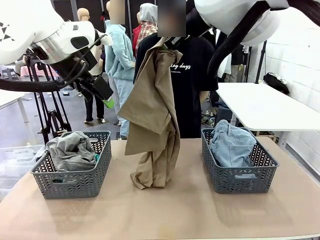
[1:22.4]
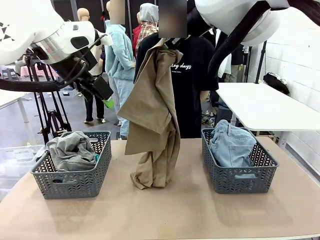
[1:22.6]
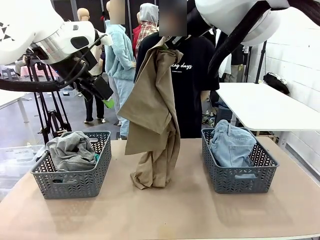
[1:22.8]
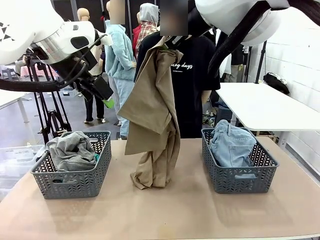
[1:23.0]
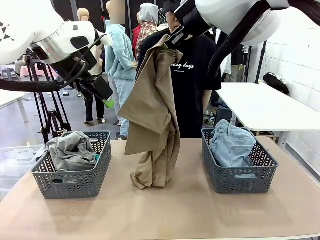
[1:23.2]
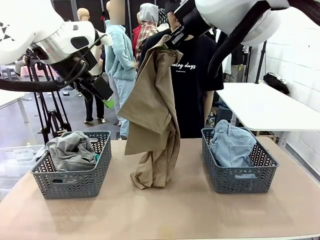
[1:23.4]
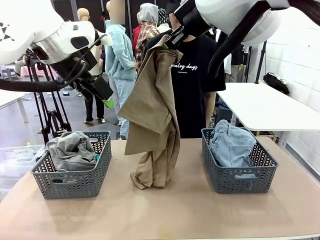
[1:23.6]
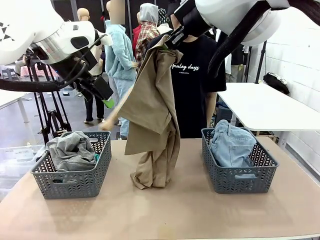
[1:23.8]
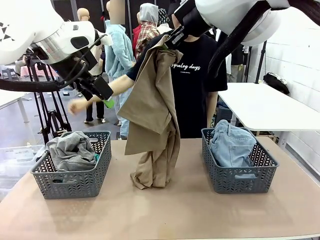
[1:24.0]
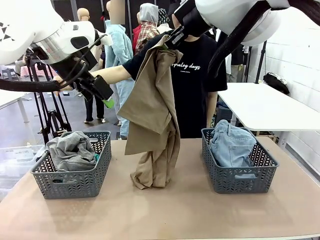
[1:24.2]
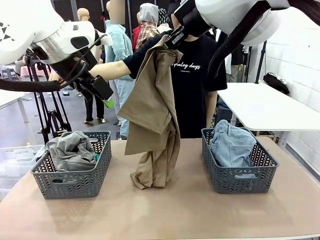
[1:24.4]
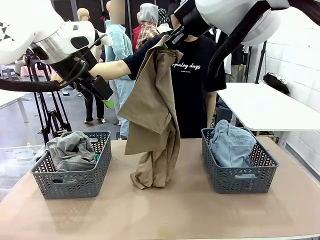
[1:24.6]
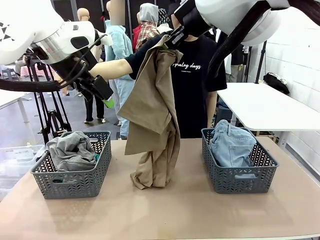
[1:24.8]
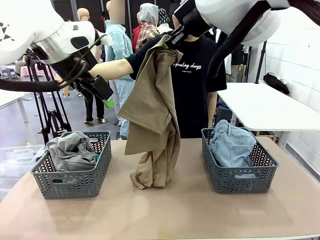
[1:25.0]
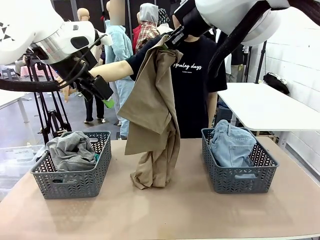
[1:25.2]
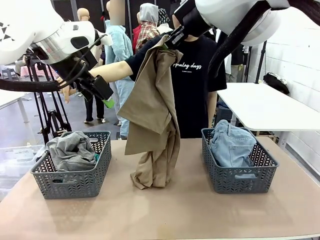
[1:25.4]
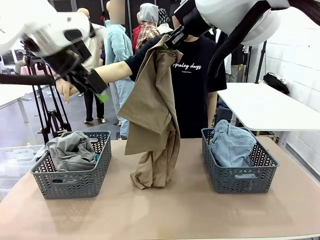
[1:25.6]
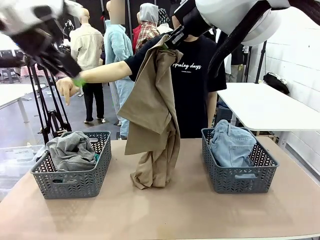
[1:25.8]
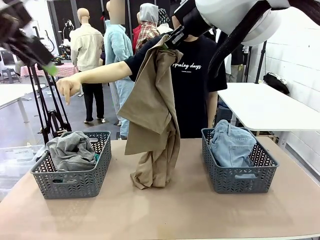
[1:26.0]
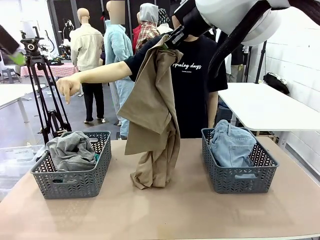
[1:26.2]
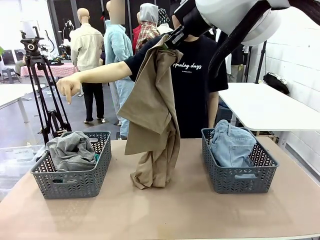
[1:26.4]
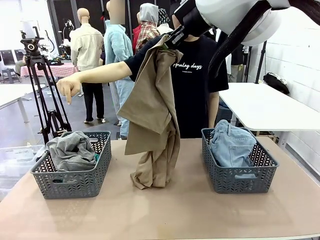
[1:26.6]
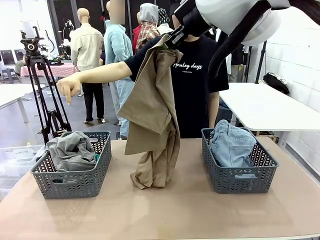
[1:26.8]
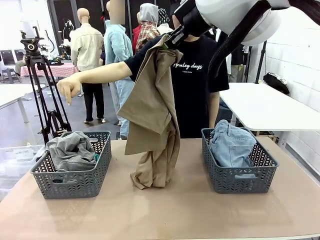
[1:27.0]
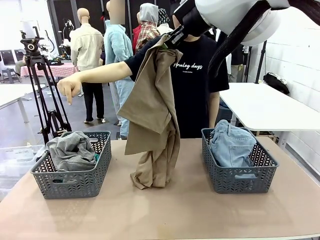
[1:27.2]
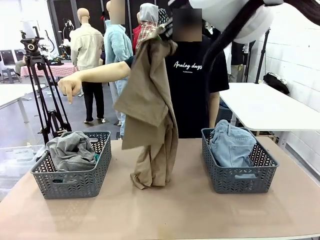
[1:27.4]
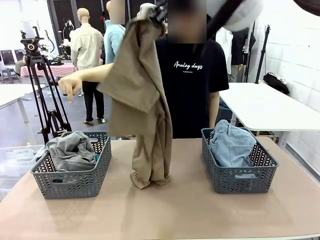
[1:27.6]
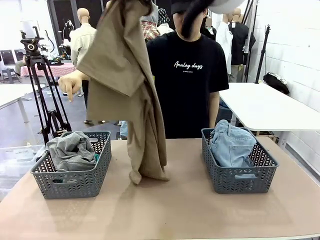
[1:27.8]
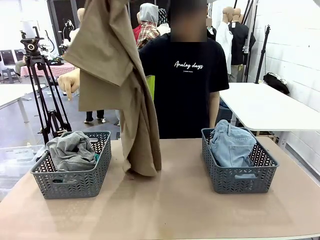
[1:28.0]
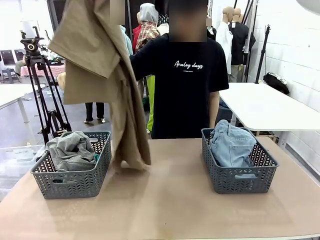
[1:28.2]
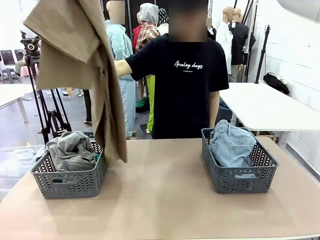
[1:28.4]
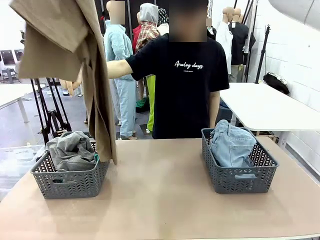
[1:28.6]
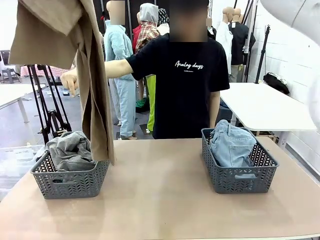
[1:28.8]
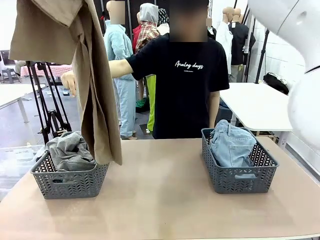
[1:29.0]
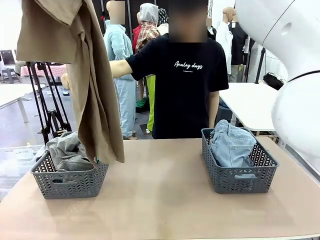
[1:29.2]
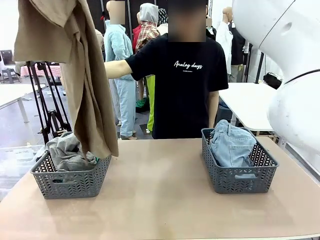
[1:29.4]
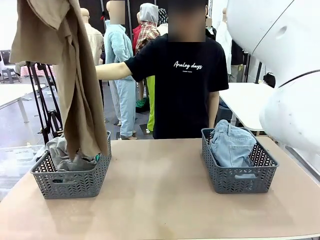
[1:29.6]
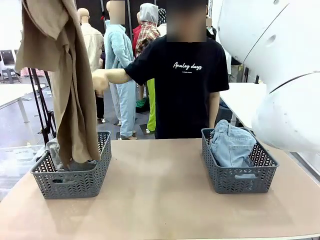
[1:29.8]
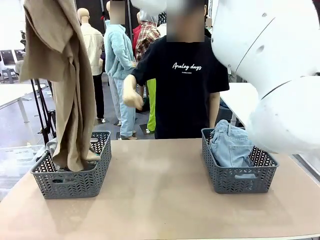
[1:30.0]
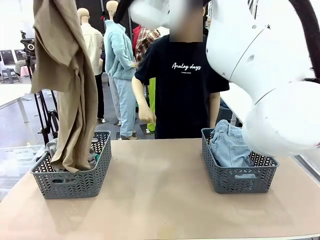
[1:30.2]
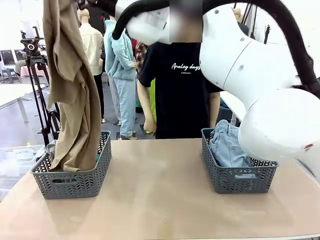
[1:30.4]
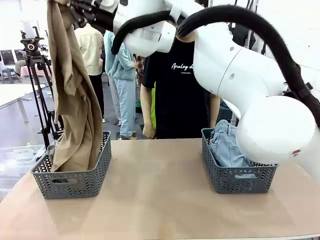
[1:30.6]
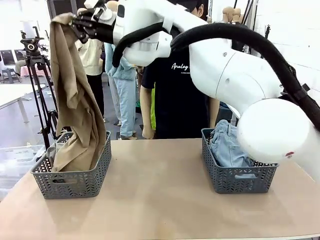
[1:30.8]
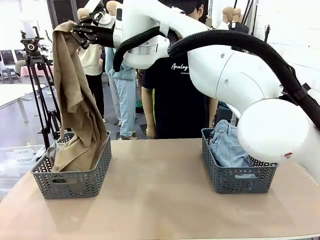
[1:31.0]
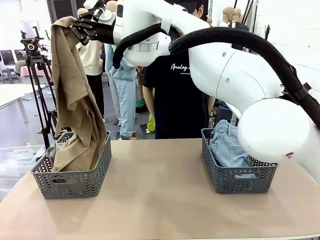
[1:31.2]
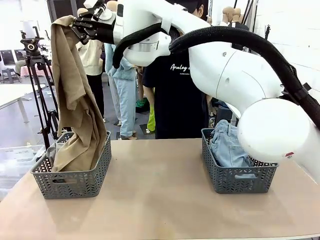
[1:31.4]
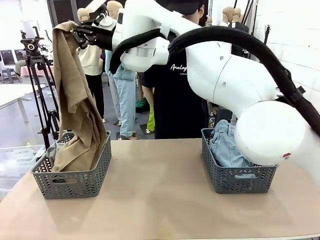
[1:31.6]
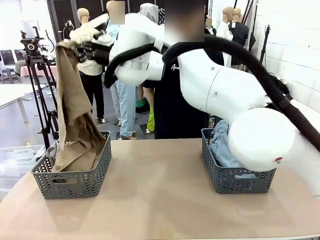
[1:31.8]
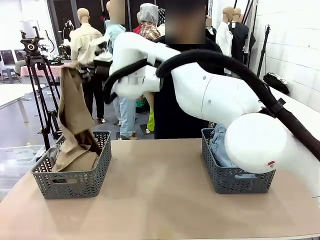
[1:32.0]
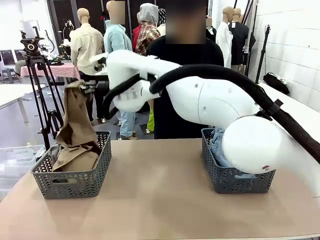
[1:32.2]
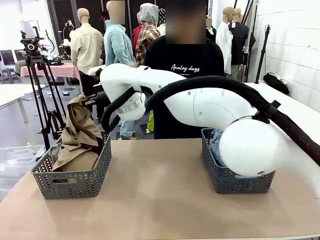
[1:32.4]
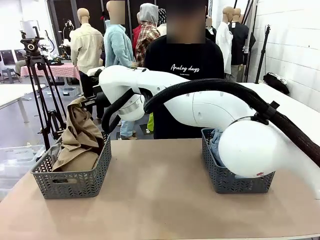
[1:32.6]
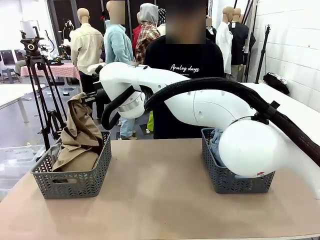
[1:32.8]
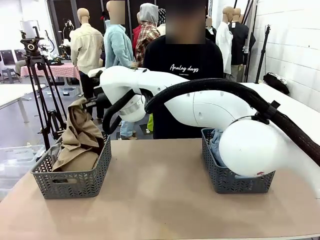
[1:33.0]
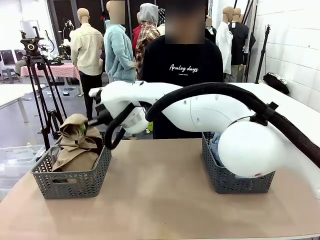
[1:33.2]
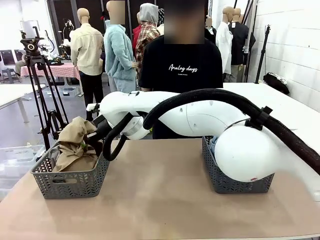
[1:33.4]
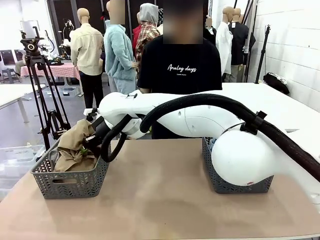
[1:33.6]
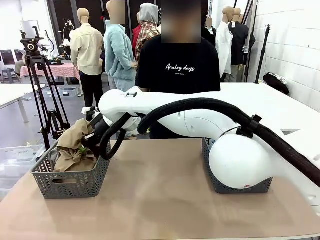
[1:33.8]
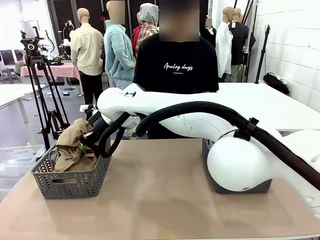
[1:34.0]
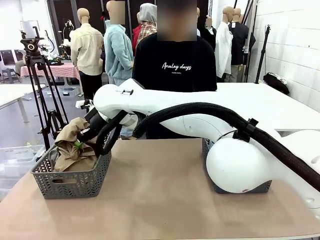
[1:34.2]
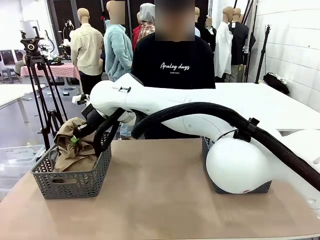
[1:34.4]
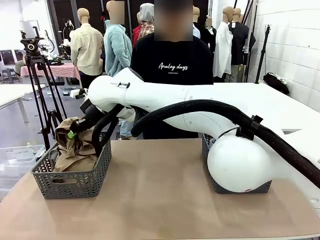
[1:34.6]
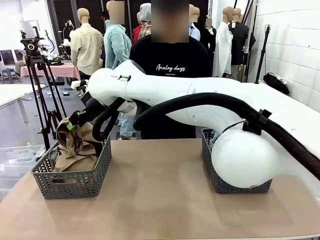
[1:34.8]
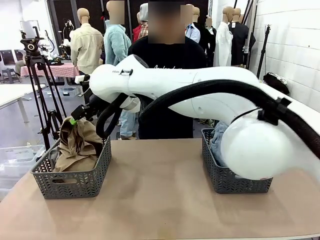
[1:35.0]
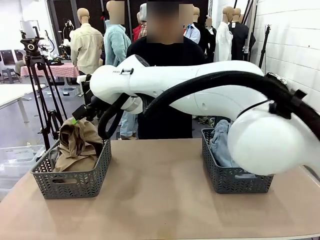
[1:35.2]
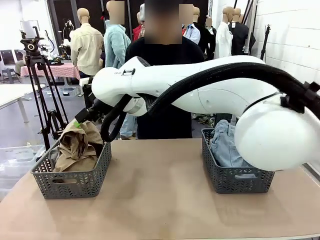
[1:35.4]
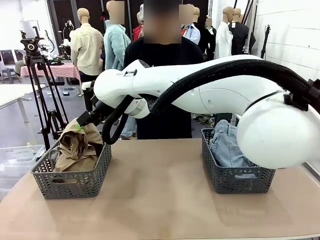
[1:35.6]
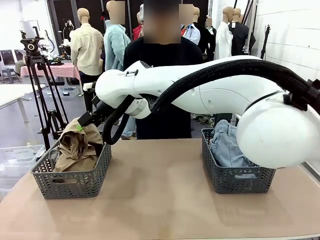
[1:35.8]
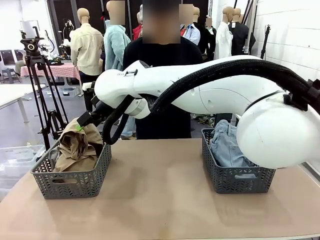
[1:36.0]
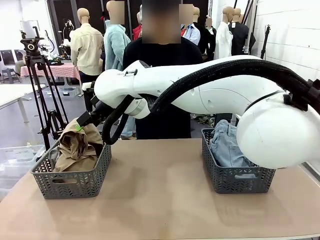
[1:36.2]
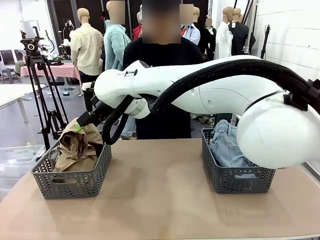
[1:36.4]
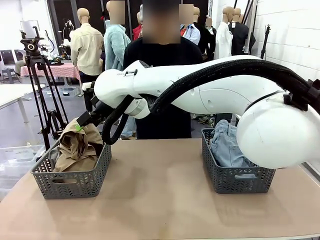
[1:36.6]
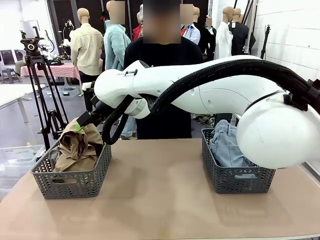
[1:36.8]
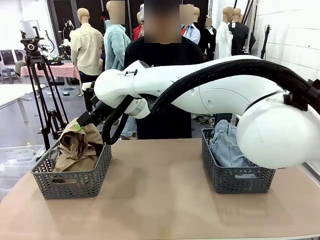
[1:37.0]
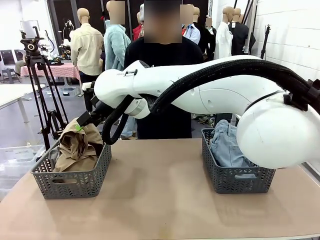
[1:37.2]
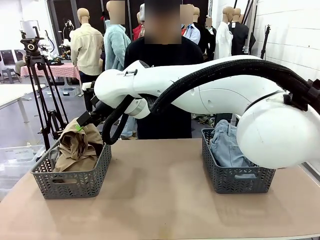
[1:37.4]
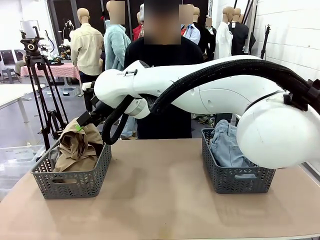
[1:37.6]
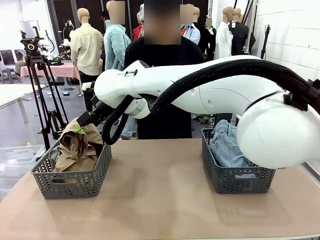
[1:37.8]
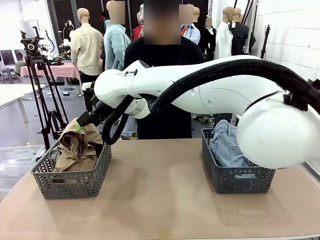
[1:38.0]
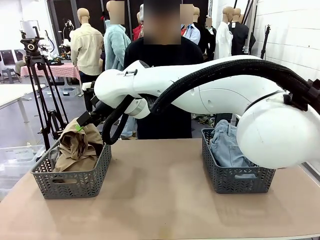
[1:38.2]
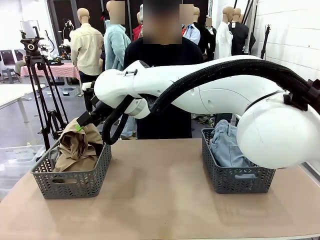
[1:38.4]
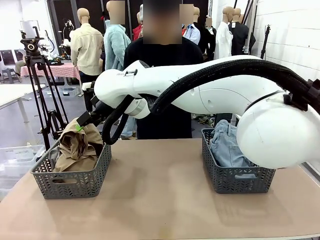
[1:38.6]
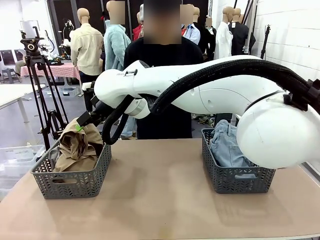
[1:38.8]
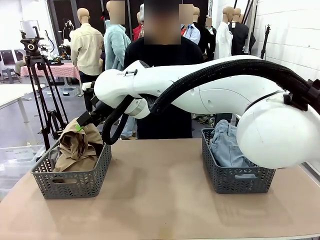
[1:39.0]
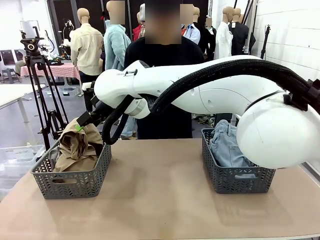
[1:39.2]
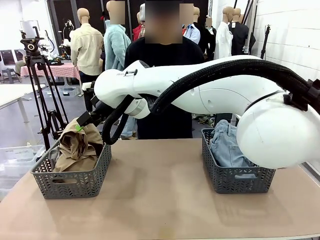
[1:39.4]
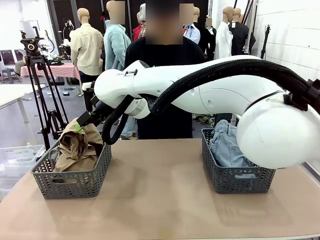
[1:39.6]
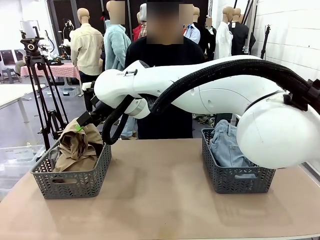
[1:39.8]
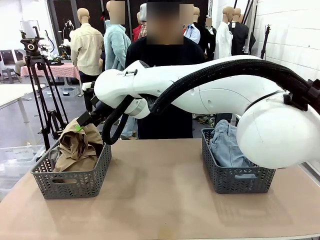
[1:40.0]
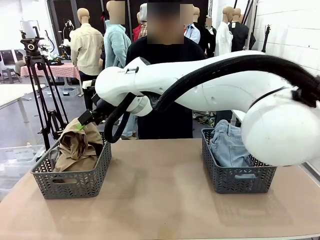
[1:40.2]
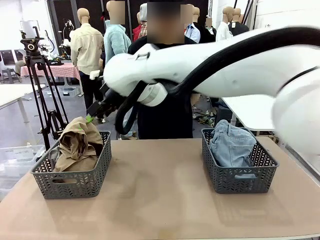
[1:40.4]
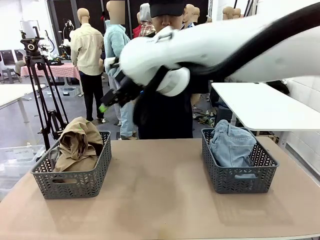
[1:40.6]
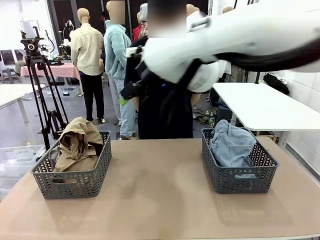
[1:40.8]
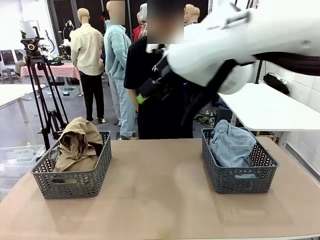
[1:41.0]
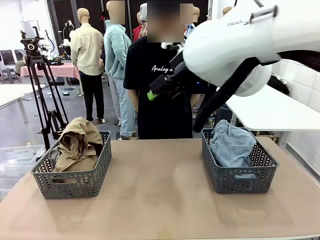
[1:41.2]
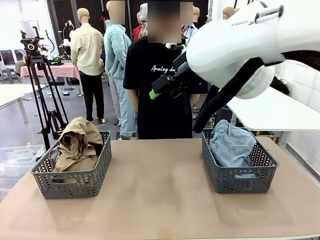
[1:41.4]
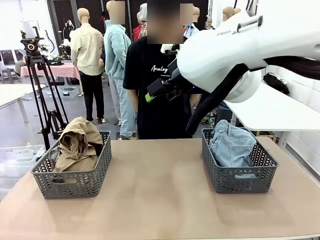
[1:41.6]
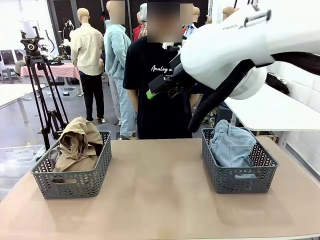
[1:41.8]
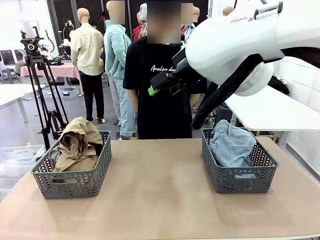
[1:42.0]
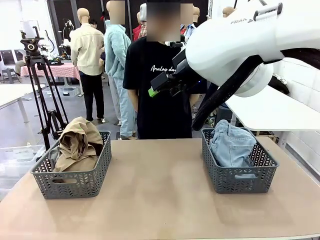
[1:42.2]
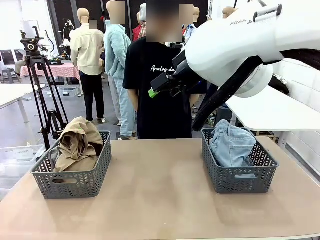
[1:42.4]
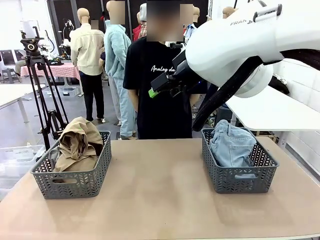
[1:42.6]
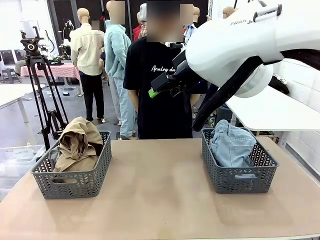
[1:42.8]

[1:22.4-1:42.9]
Task: Sort the tops and bottoms.
Robot: Sort the clothes according to human instructions.
